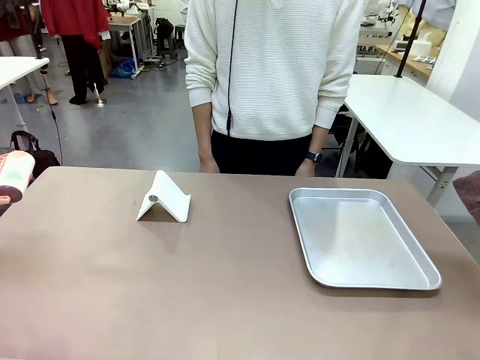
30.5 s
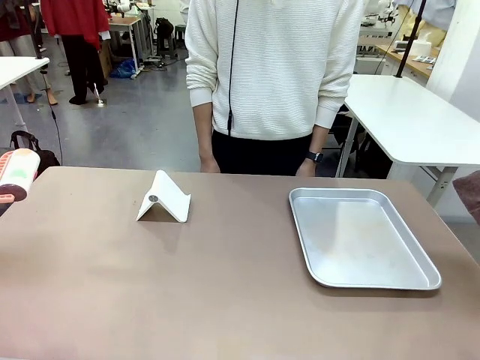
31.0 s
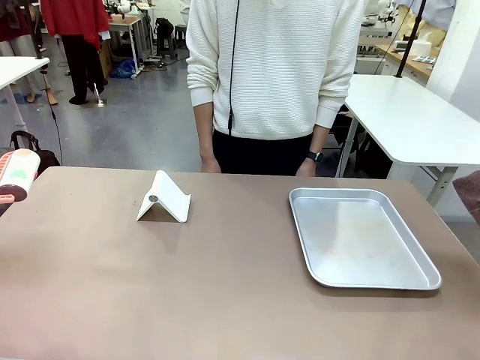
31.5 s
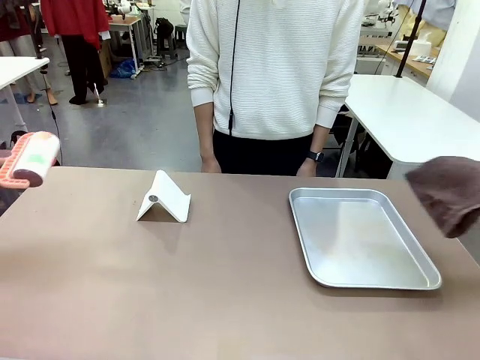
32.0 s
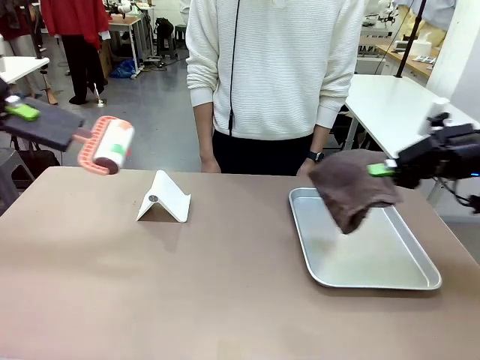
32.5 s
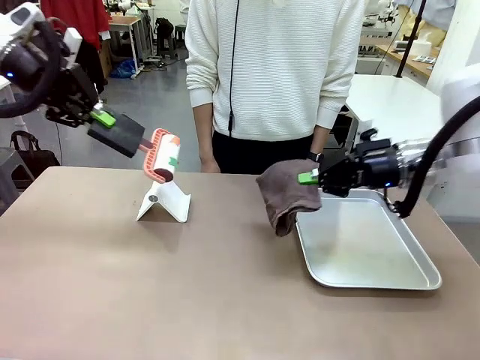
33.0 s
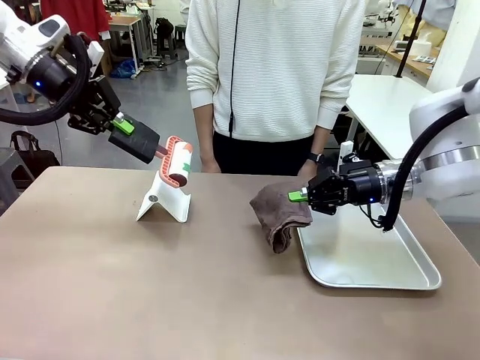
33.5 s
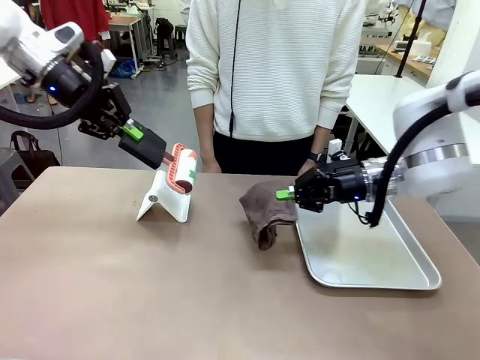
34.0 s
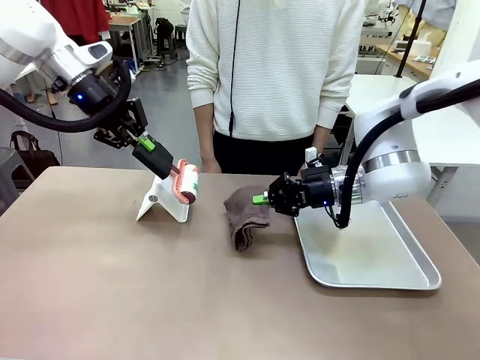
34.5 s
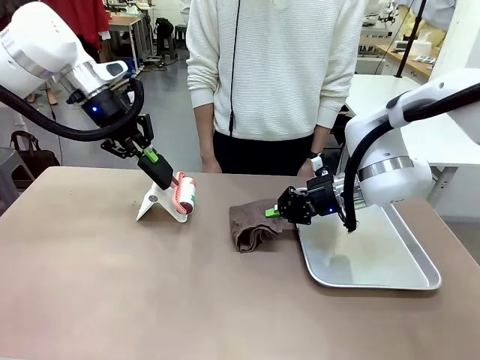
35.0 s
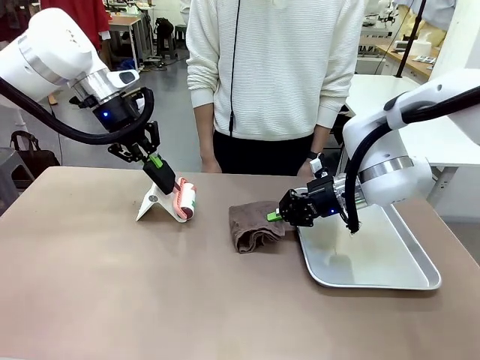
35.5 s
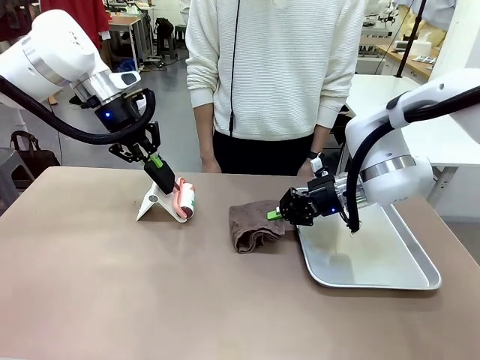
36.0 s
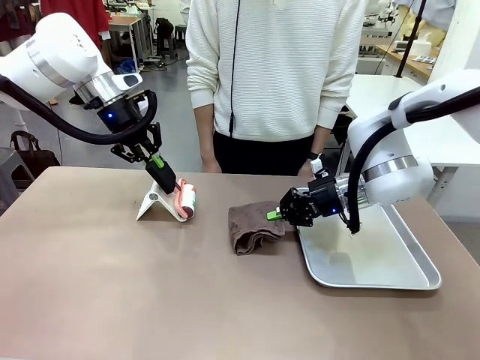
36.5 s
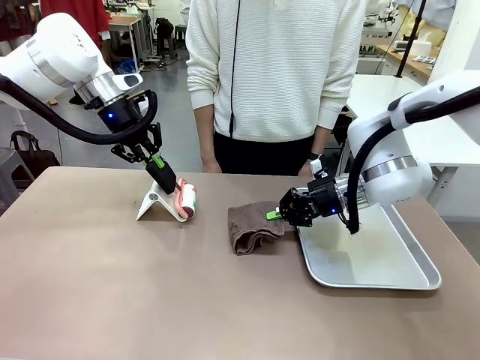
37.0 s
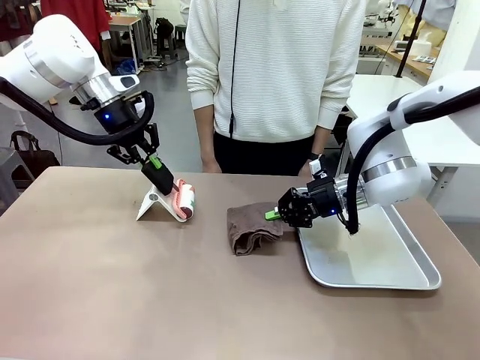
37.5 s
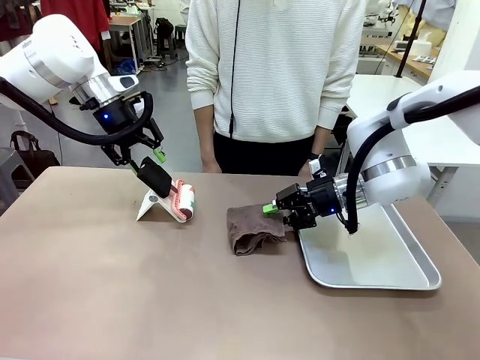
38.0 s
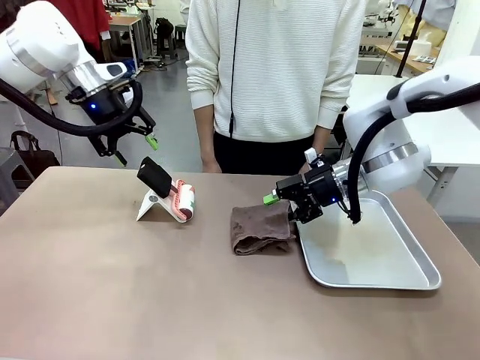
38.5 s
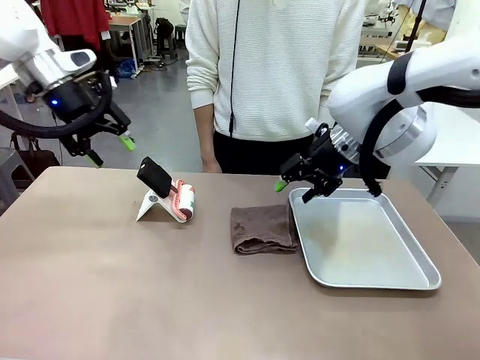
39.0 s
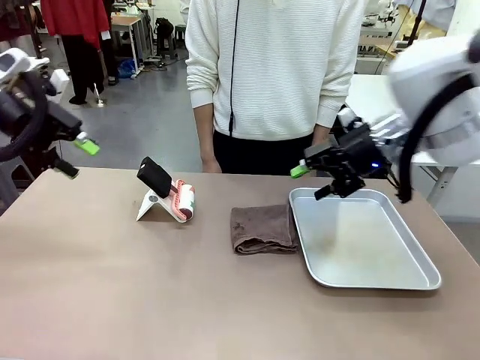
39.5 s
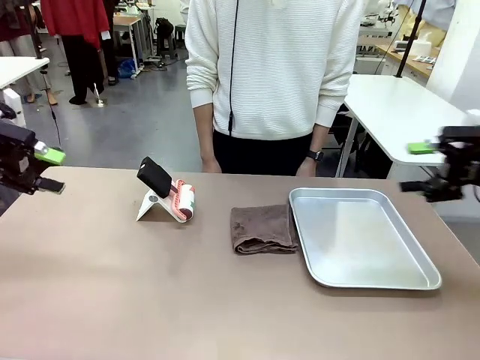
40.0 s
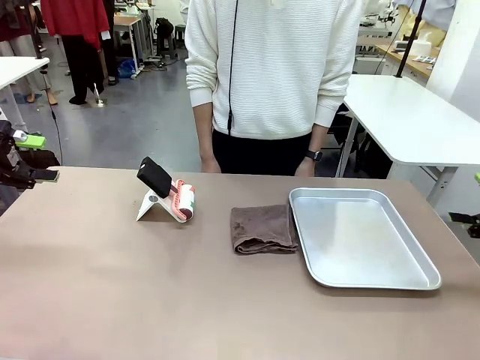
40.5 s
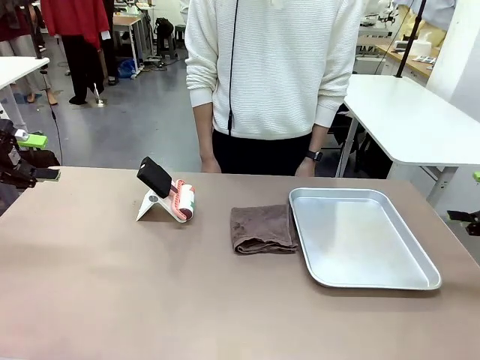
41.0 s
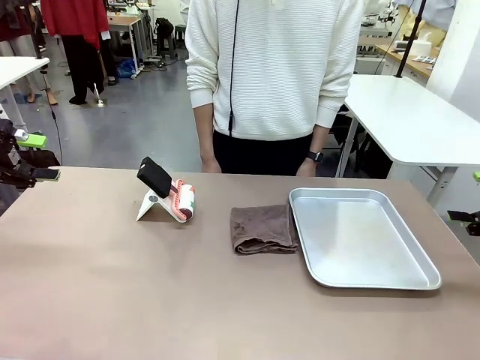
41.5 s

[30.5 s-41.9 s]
Task: Clean the surface of the table.
Robot: Return the Lint Roller and towel to their original positions.

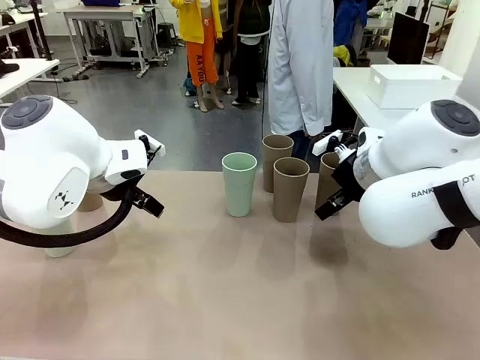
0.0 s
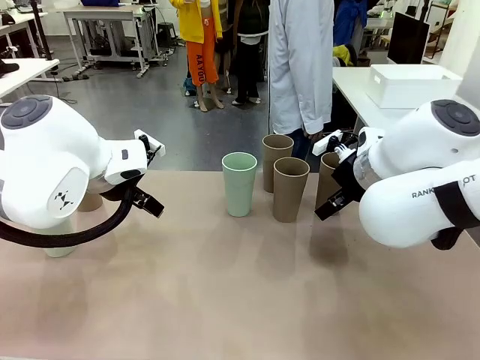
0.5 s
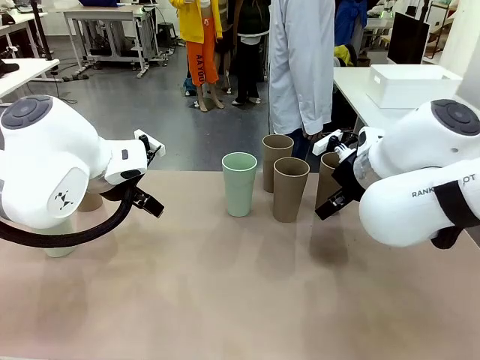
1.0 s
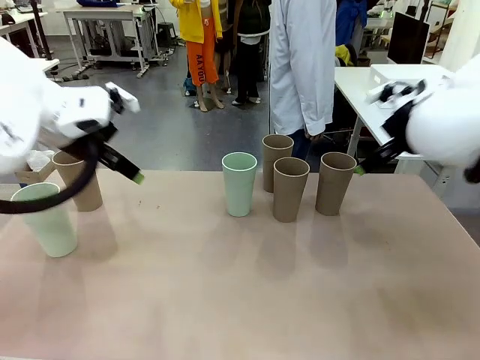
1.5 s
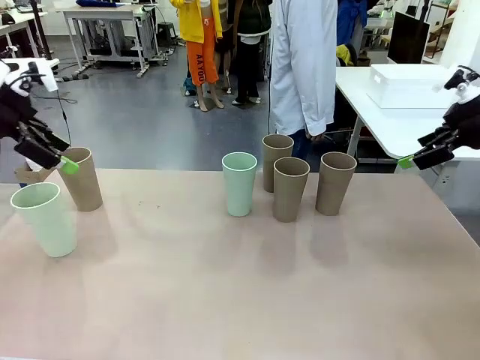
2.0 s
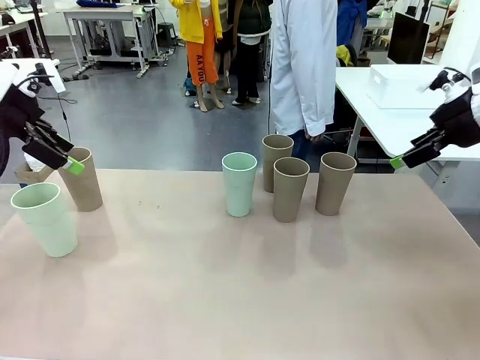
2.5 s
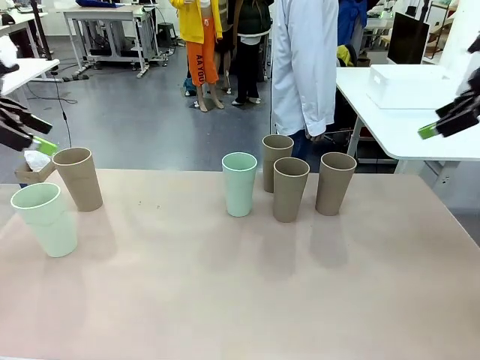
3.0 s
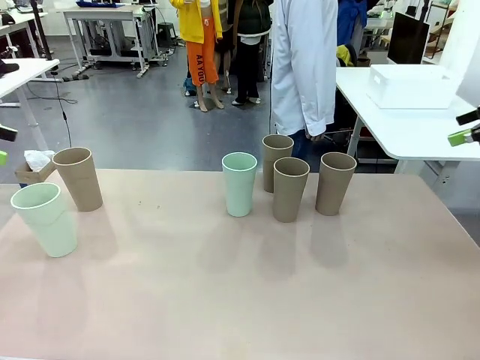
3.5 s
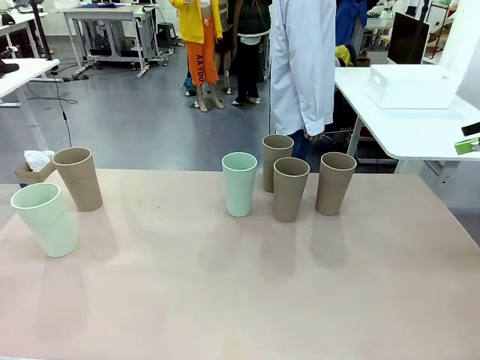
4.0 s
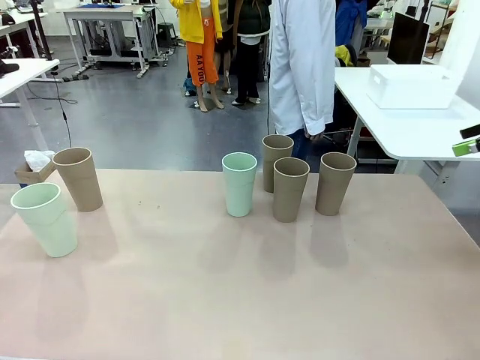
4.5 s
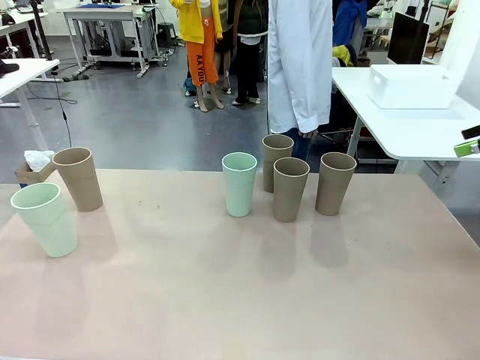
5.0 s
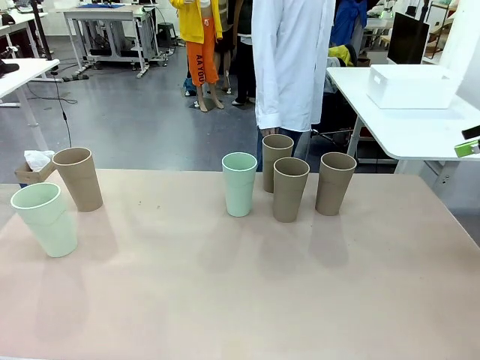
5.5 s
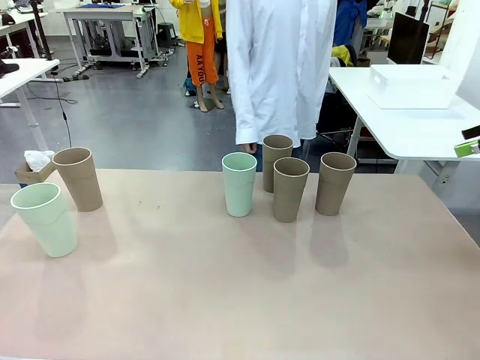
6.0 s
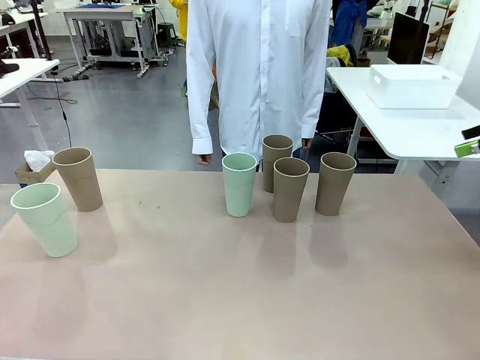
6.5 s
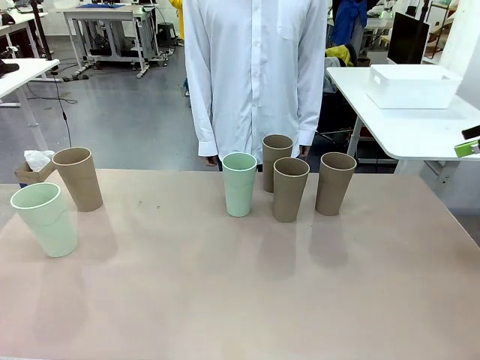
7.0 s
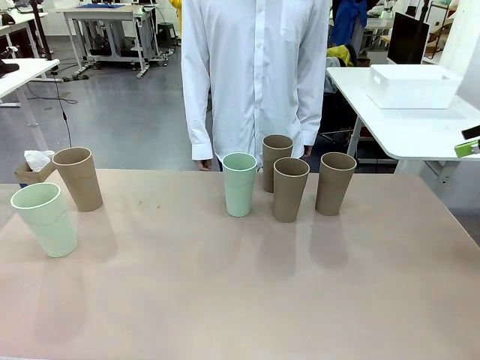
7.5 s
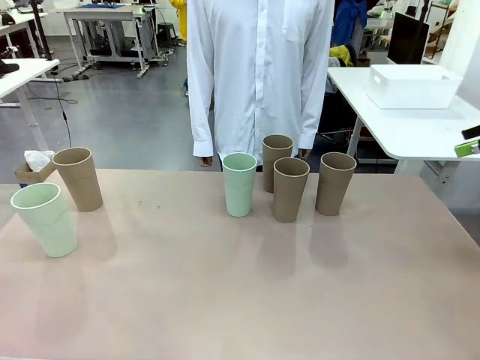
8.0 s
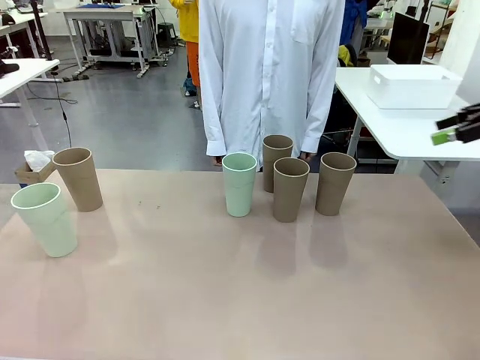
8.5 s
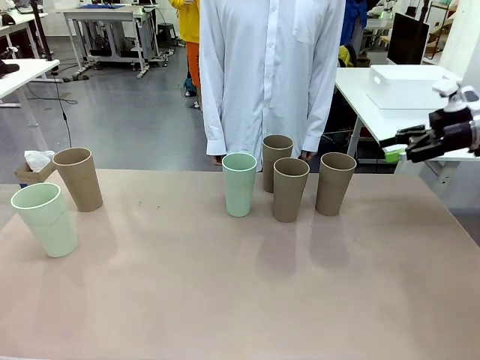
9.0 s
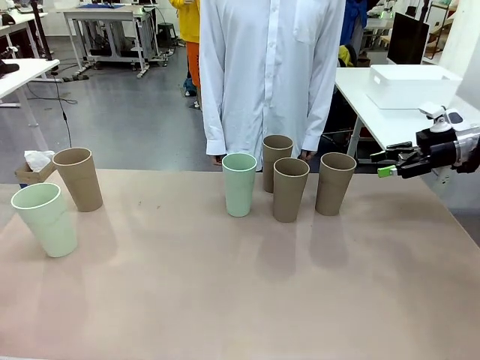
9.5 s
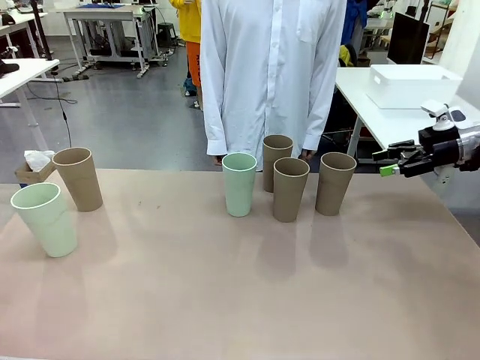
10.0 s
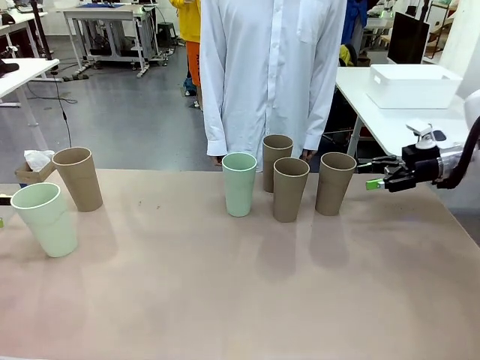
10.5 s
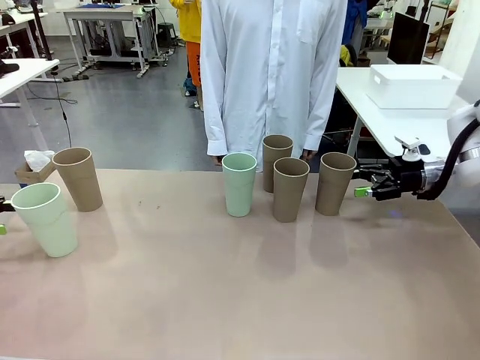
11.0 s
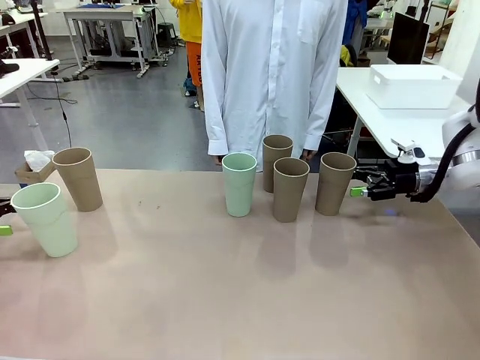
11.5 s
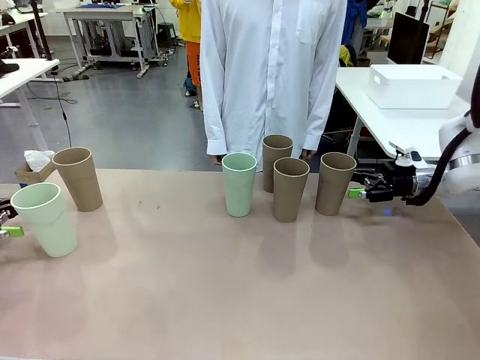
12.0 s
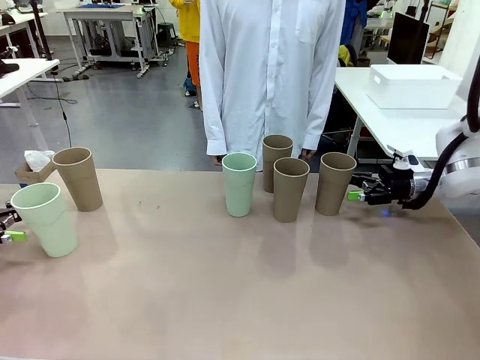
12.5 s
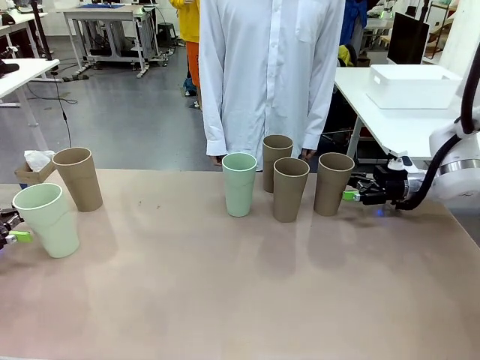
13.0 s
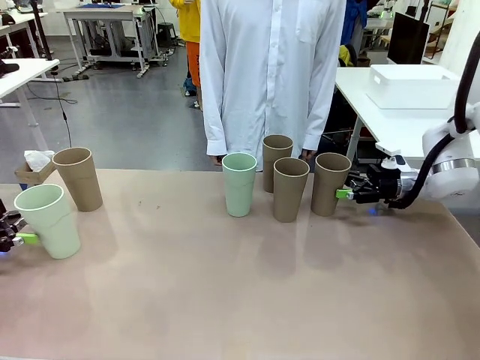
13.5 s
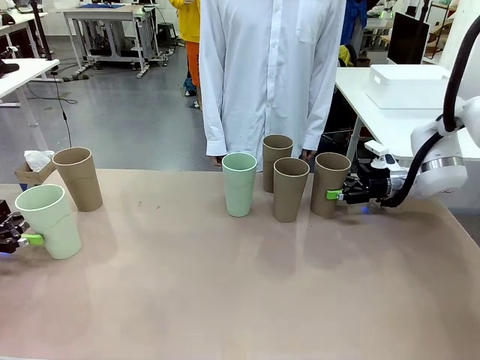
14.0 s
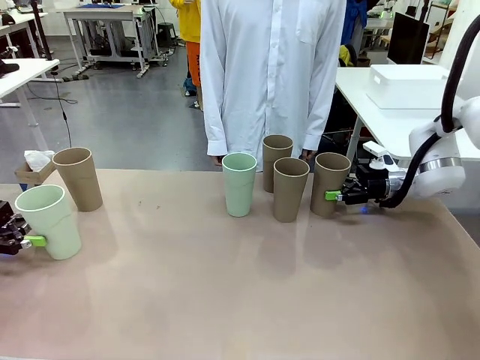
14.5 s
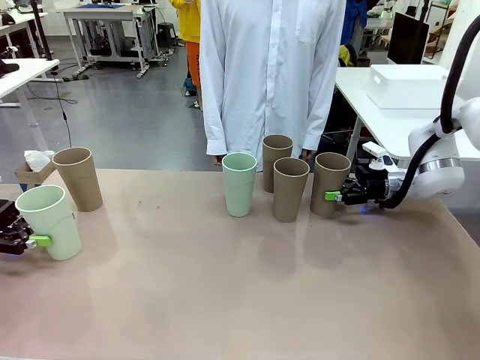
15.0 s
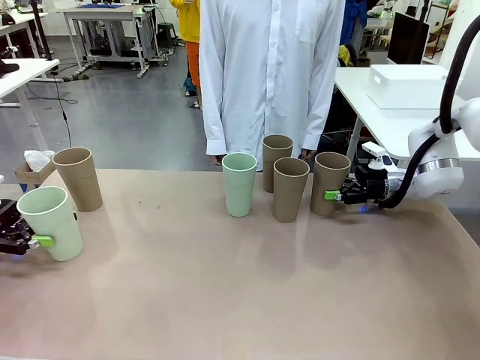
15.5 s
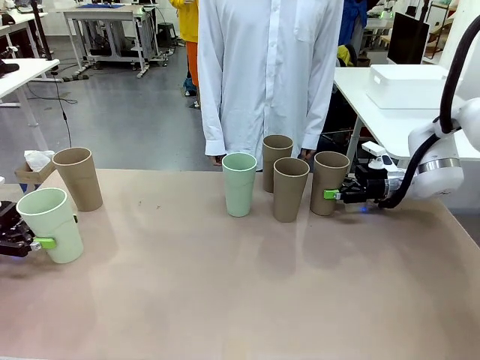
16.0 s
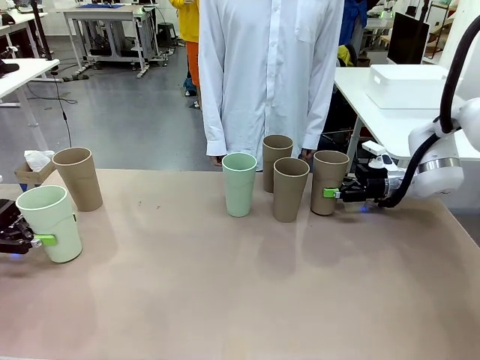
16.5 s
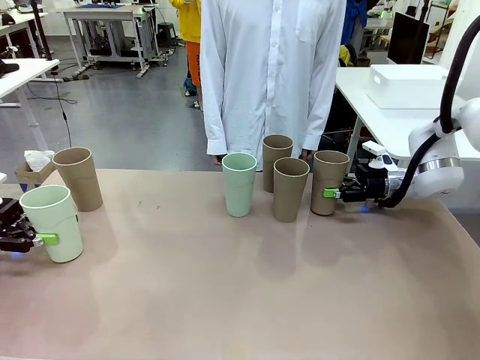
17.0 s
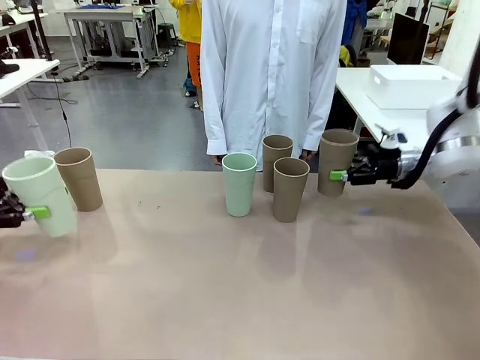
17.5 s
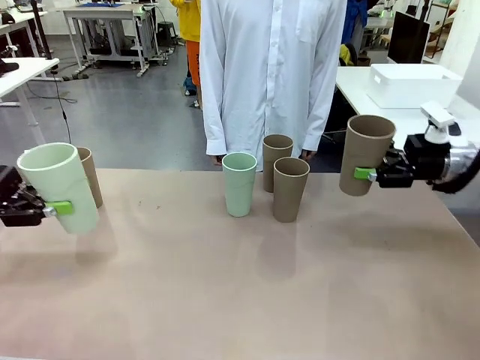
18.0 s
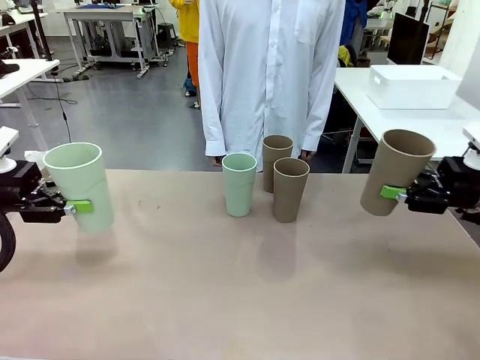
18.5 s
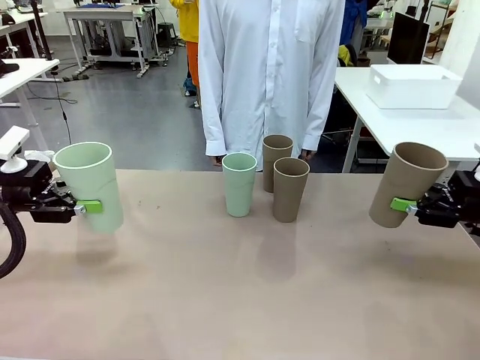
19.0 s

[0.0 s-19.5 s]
Task: Stack the cups and store them in the basket.
Robot: Pick up two Reusable plastic cups , one in each hand.
Person: Move from the Human Table to the front of the Robot Table. Stack two of the remaining cups on top of each cup held by the robot.
